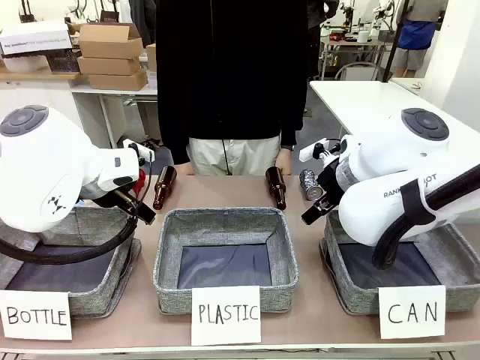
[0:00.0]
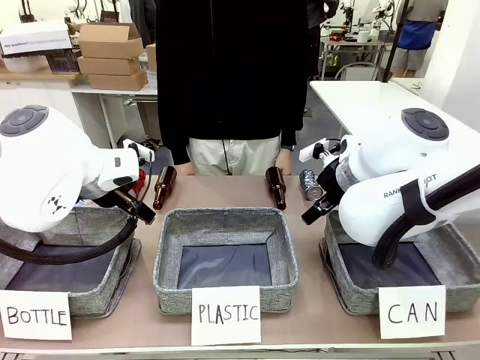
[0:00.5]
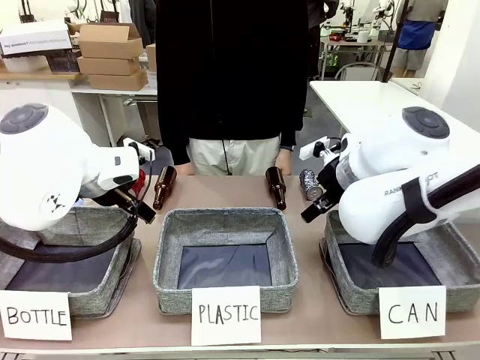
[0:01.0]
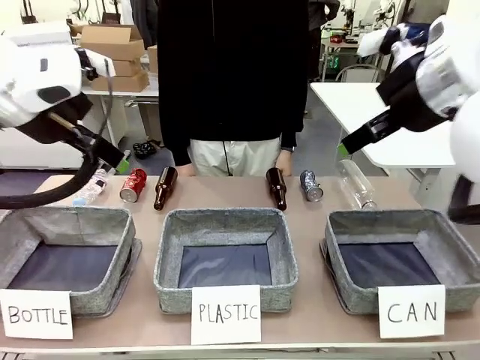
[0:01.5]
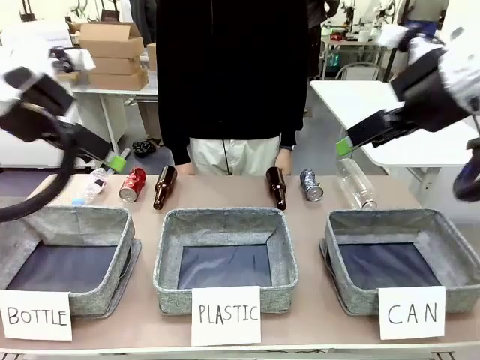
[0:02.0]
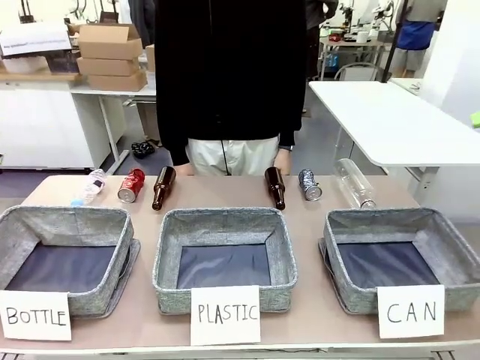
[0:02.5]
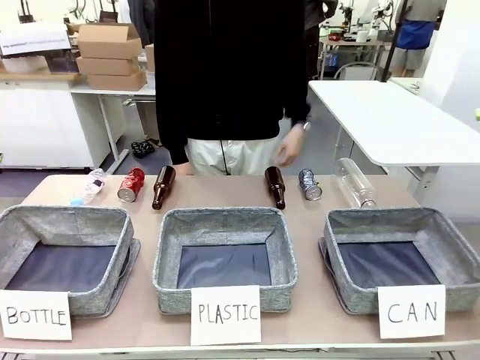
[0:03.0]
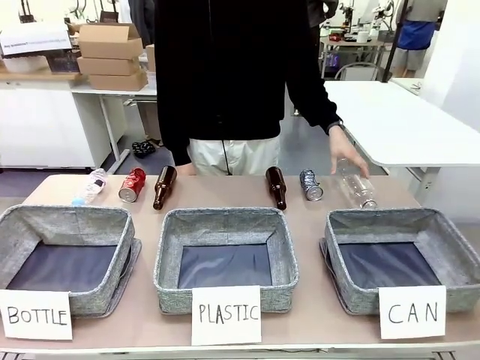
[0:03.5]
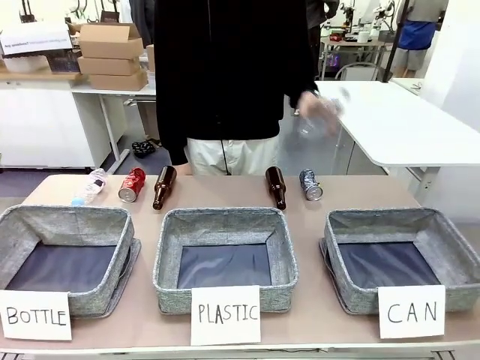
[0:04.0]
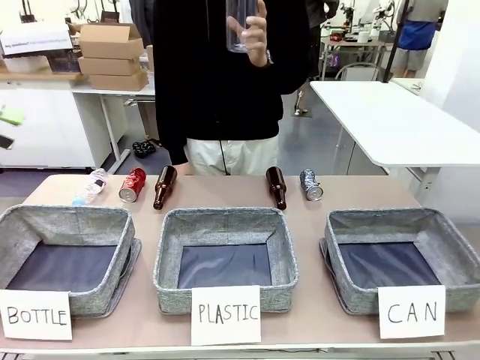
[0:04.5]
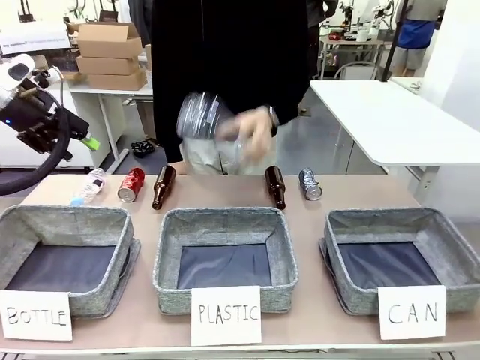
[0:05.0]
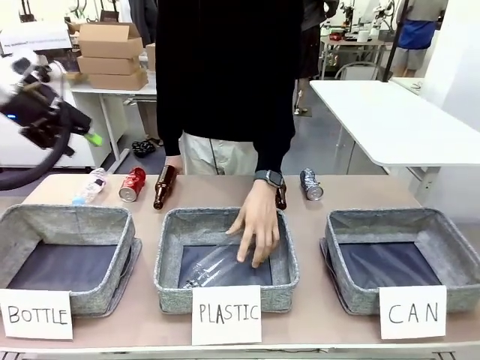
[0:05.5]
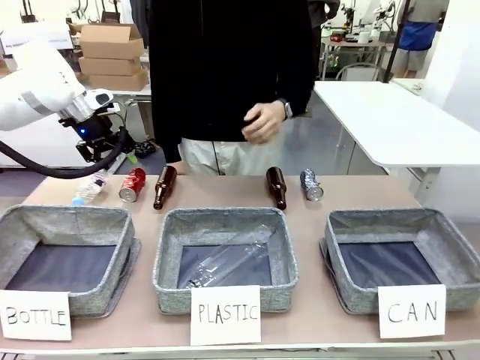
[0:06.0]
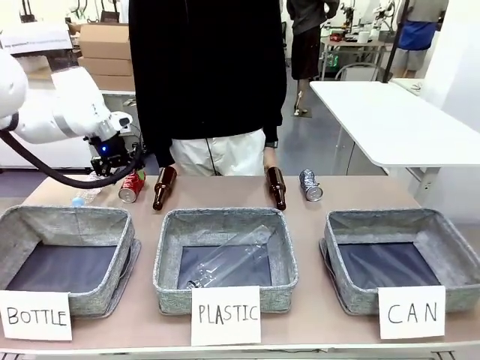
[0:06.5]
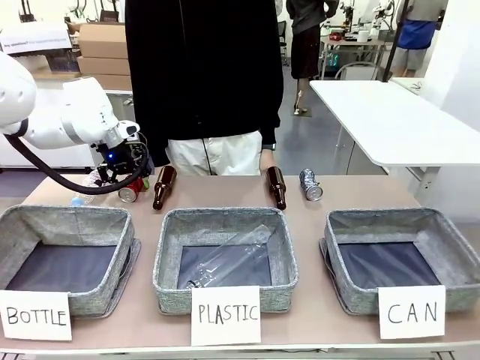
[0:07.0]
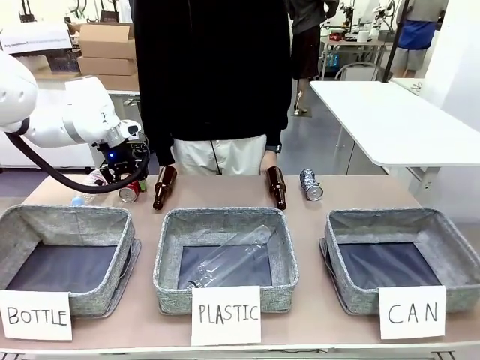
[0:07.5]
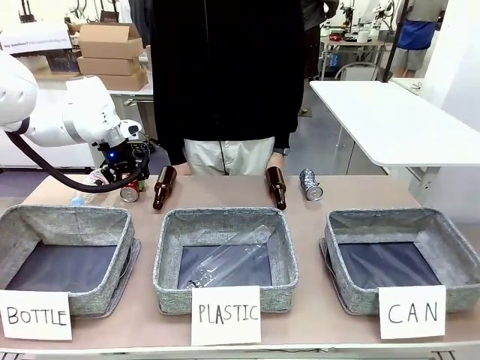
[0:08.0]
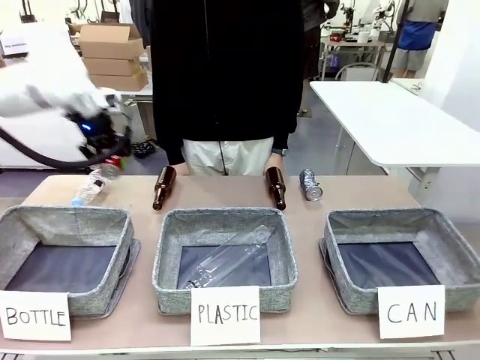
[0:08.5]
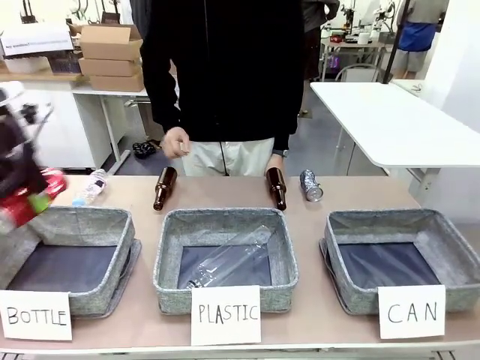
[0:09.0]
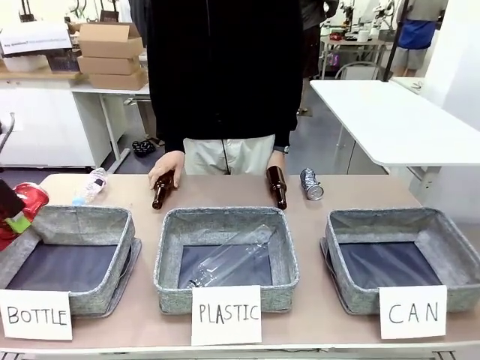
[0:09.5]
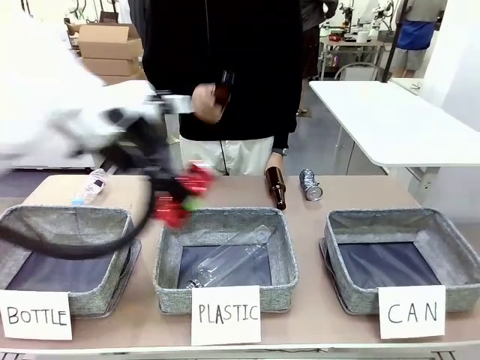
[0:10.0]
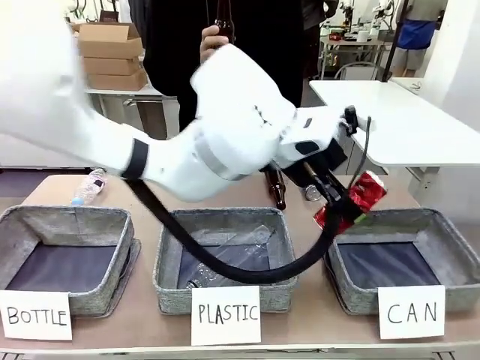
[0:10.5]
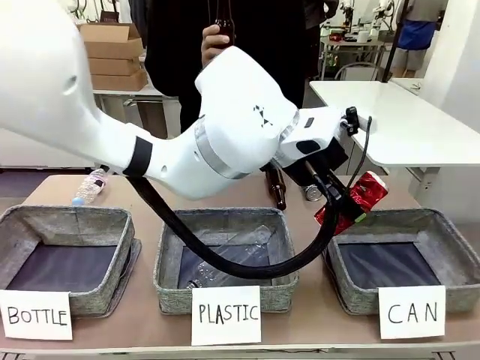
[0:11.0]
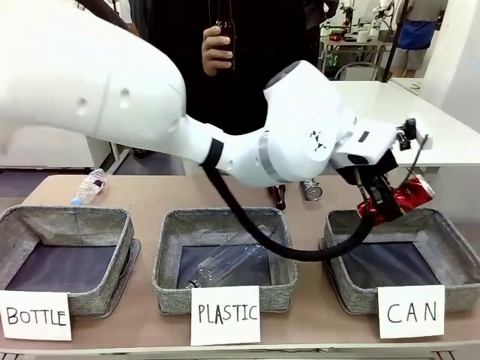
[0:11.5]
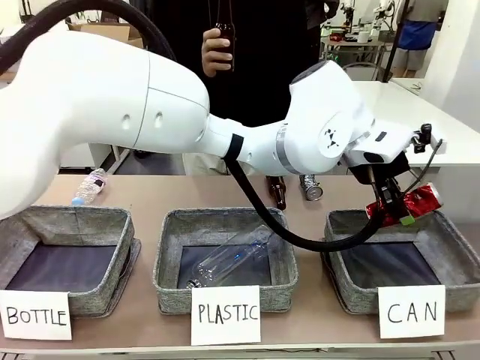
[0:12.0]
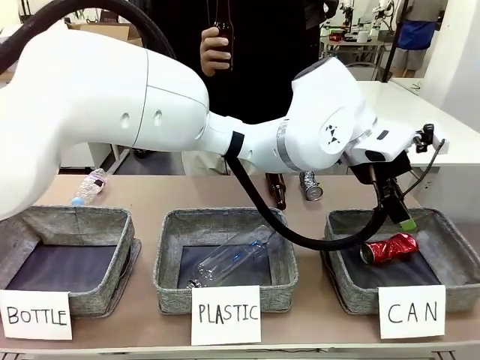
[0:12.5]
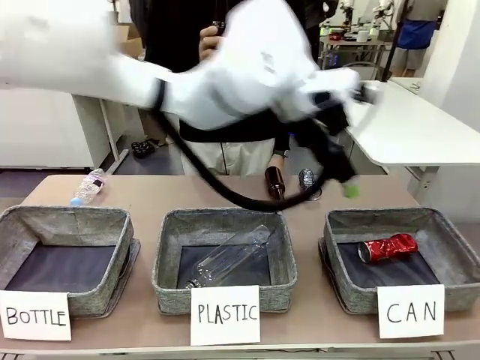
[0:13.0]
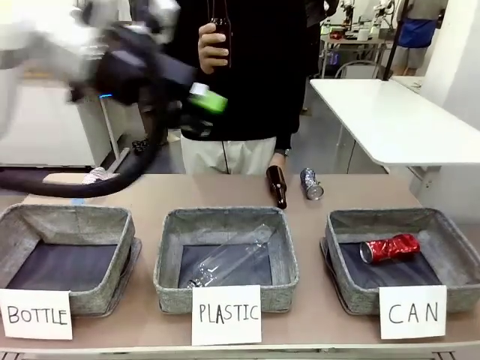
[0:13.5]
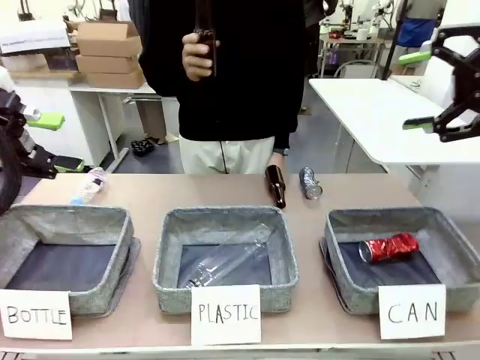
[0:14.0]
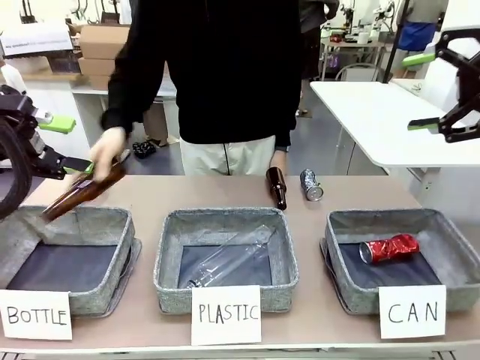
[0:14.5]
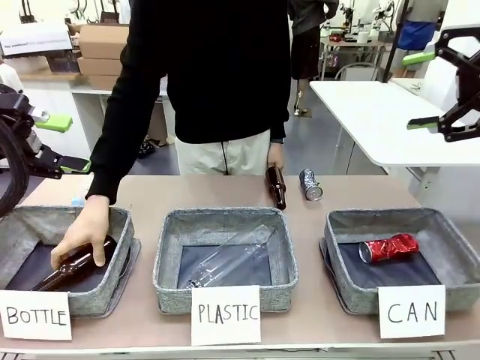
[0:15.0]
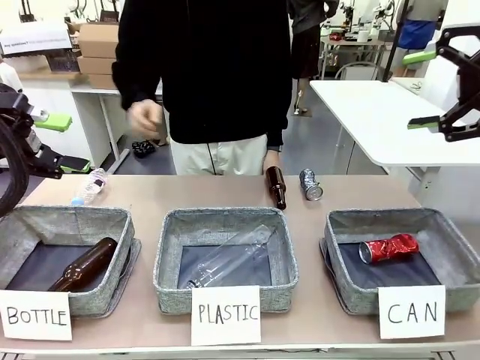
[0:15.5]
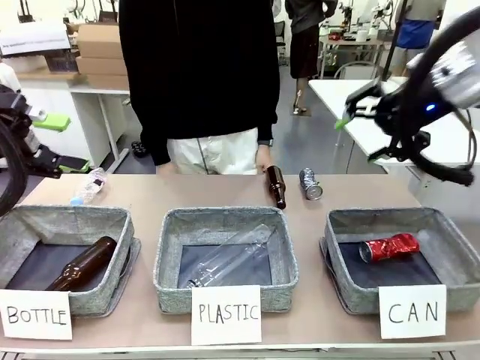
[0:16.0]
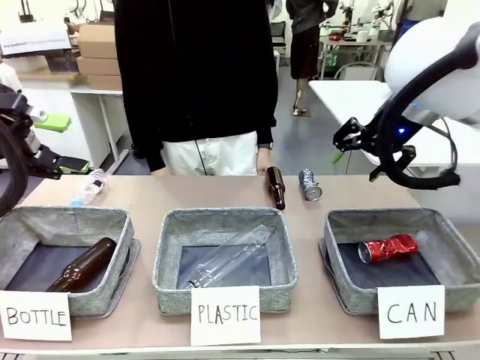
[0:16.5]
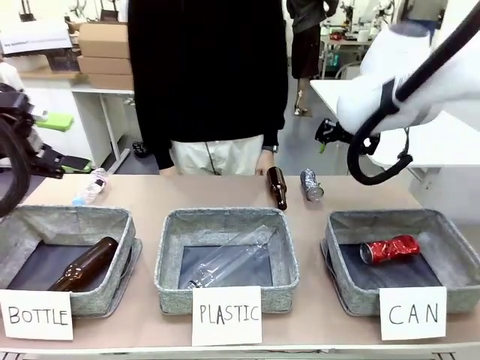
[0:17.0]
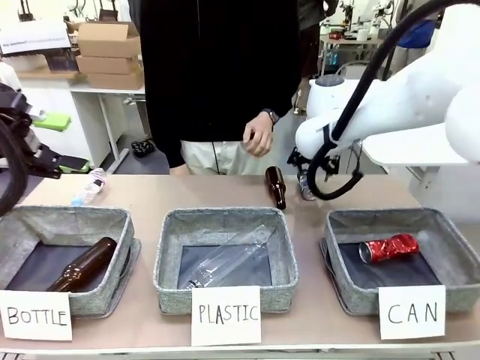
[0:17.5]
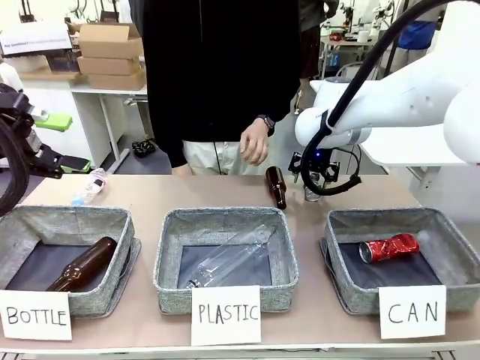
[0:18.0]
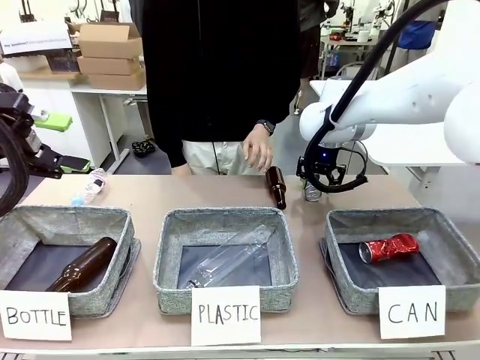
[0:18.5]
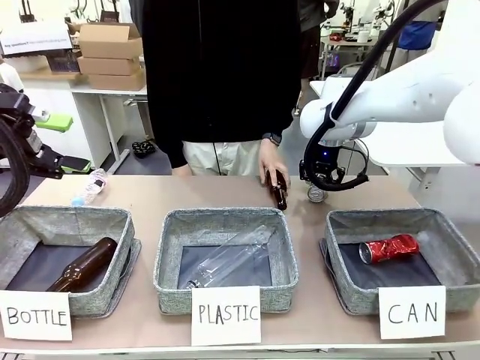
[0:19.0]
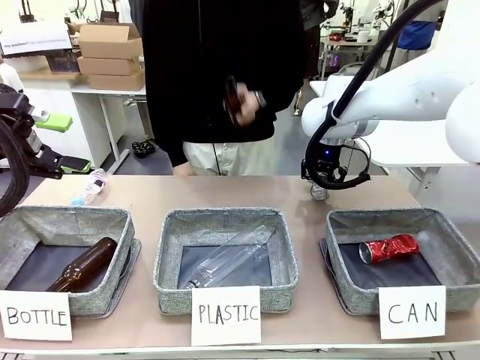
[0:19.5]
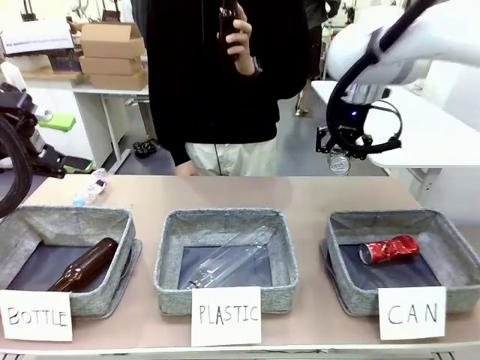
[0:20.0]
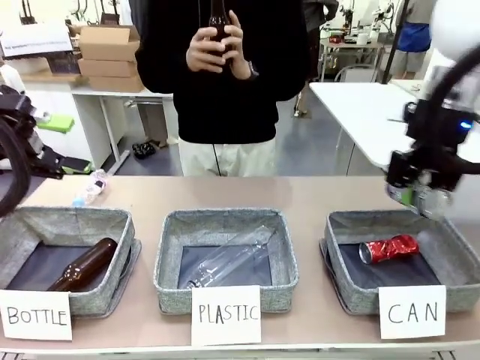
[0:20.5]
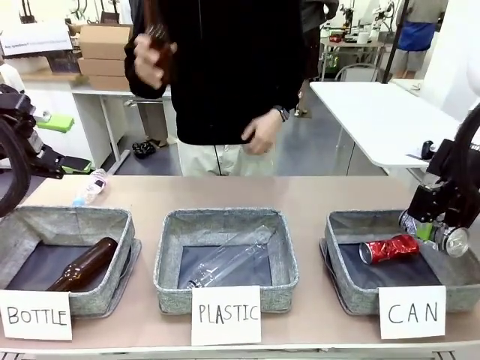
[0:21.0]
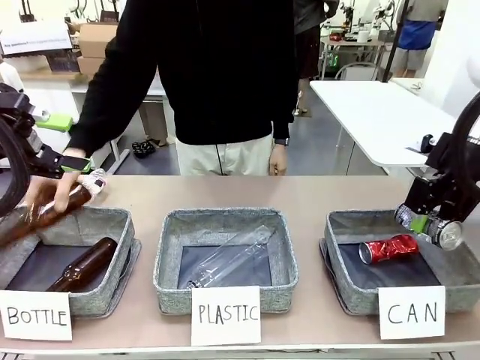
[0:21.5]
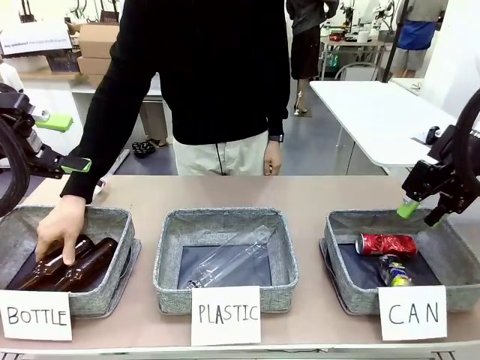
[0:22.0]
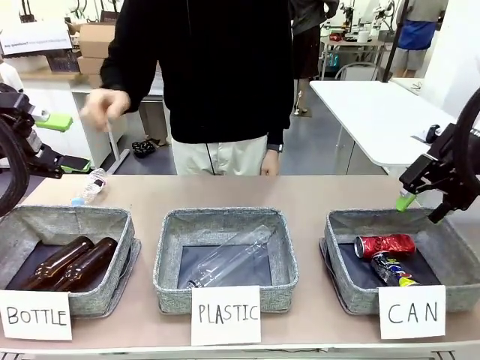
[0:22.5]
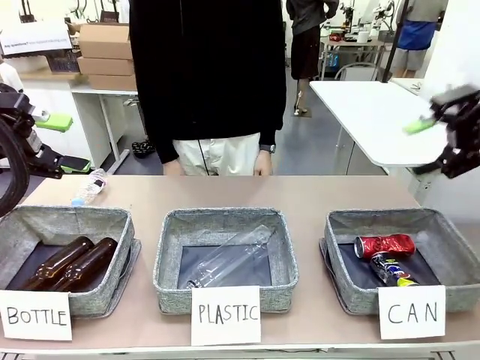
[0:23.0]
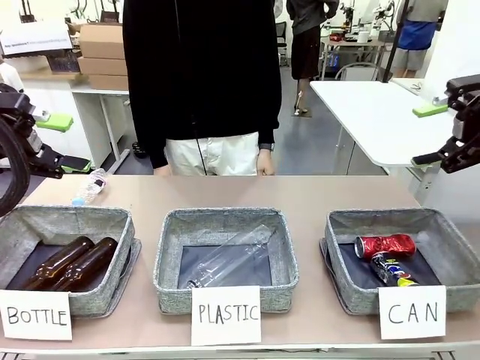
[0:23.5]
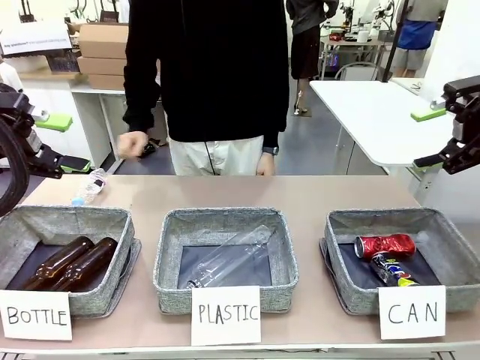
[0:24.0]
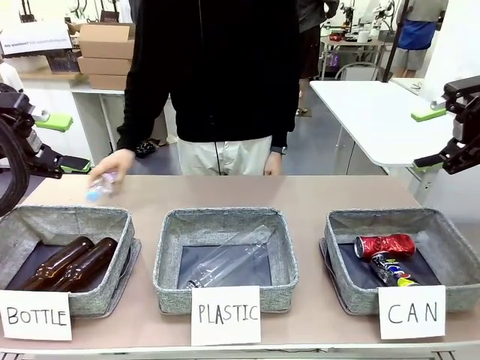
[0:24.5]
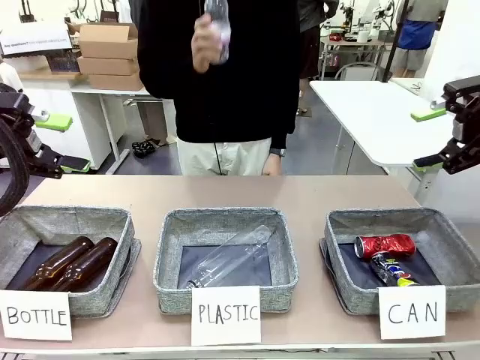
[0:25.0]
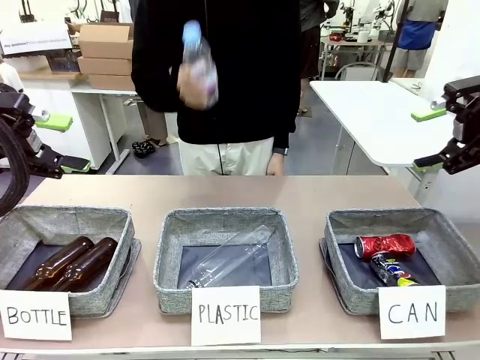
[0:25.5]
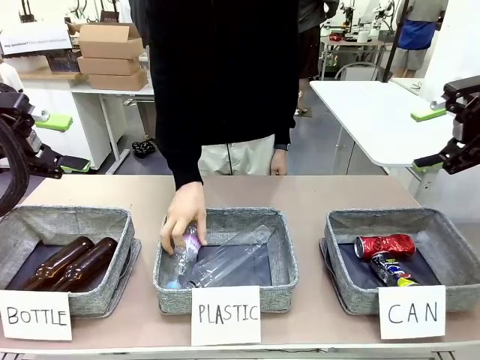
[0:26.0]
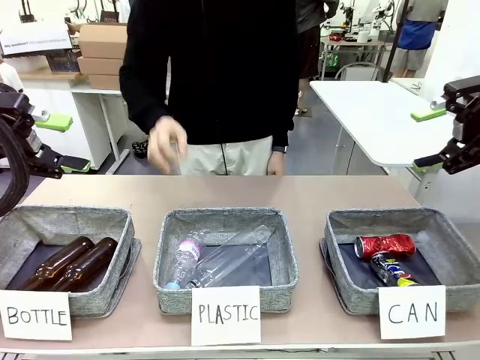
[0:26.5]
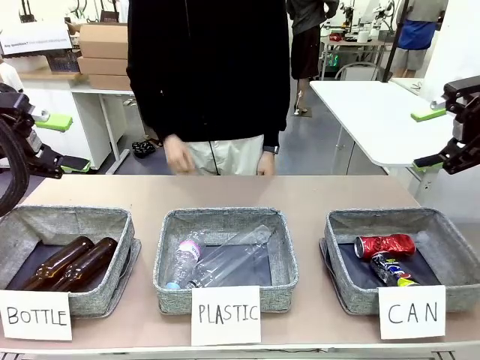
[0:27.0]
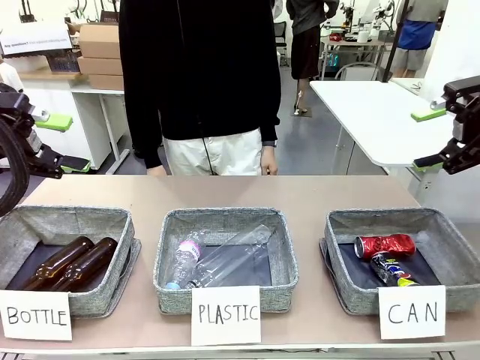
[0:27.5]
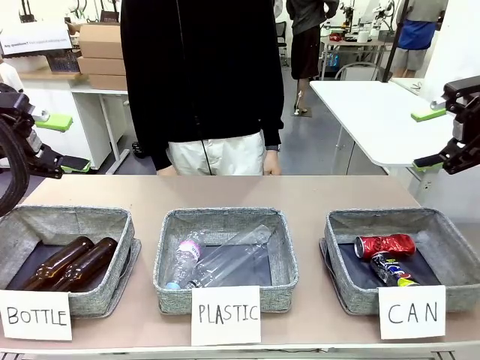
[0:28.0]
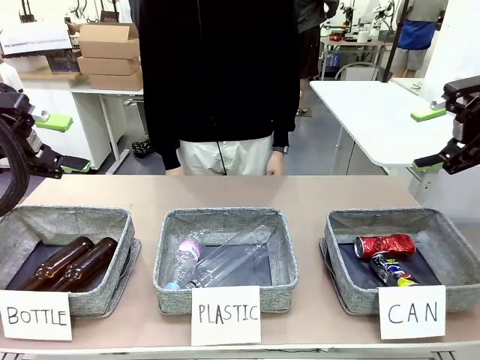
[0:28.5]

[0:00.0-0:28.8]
Task: Sort the can waste into the basket.
Robot: Pick up the can waste from the table and place it in the right Fabric basket.
Person: The human picks up one piece of trash that is not a can and places the trash into the appropriate organizing basket.
